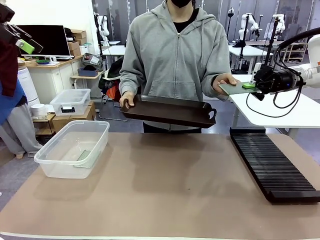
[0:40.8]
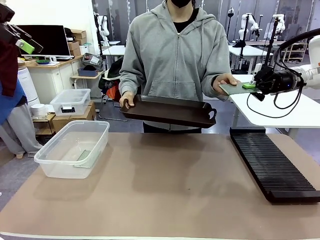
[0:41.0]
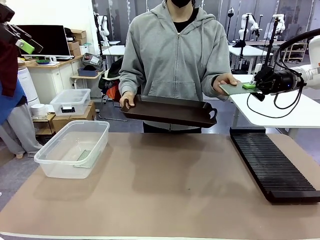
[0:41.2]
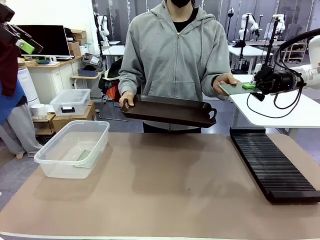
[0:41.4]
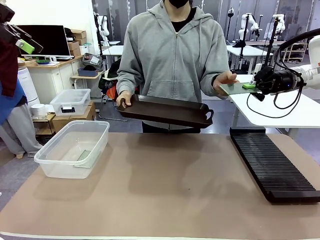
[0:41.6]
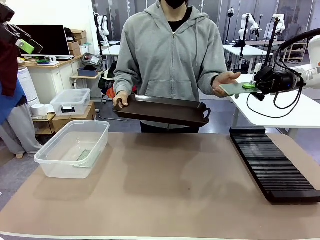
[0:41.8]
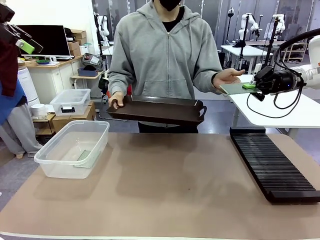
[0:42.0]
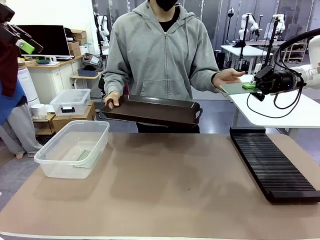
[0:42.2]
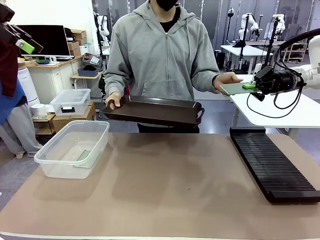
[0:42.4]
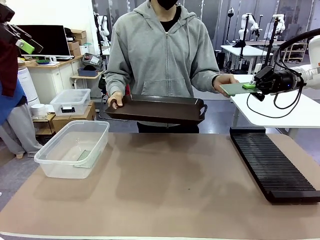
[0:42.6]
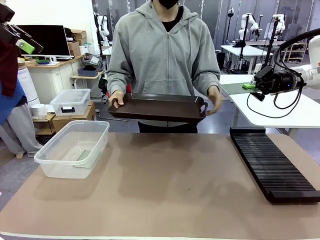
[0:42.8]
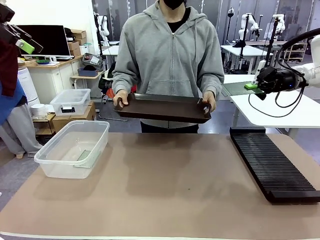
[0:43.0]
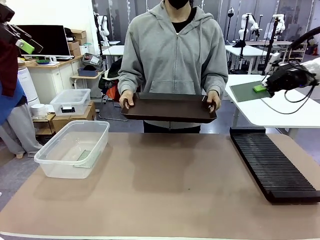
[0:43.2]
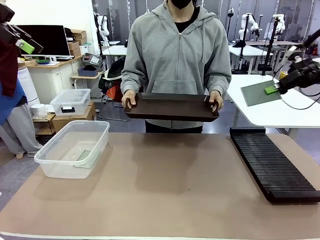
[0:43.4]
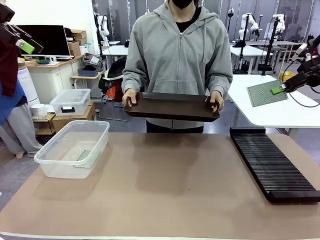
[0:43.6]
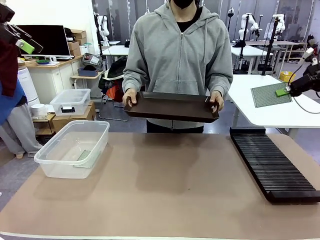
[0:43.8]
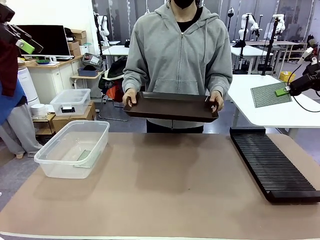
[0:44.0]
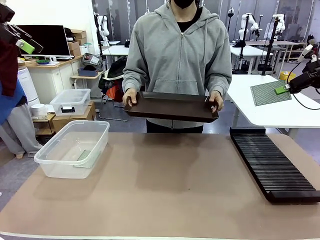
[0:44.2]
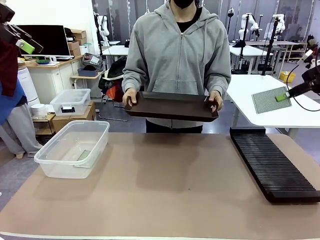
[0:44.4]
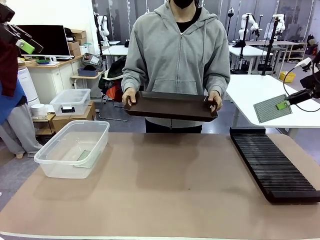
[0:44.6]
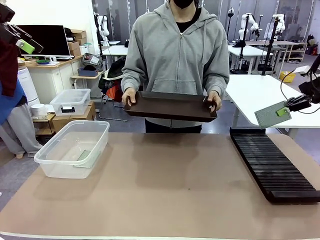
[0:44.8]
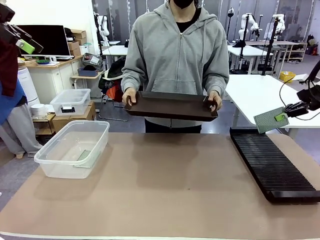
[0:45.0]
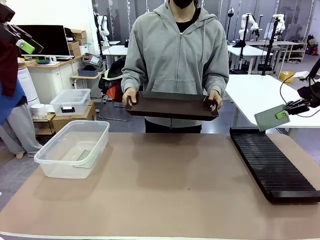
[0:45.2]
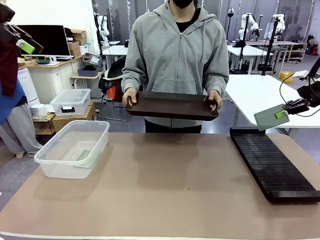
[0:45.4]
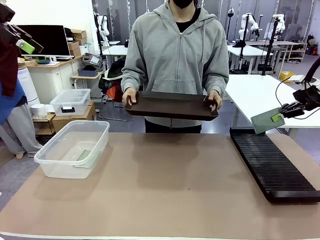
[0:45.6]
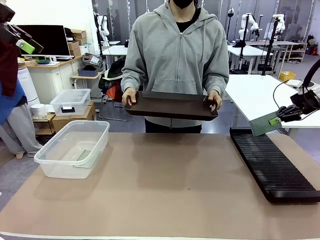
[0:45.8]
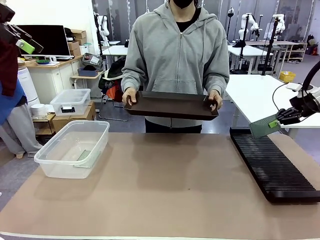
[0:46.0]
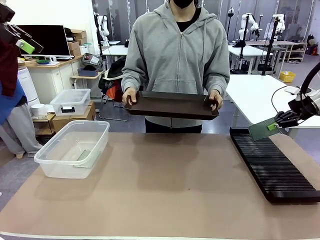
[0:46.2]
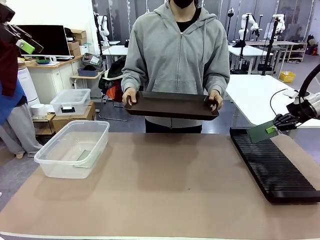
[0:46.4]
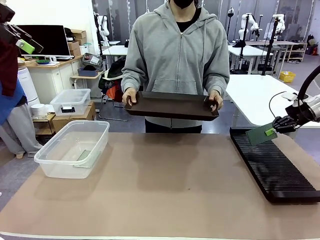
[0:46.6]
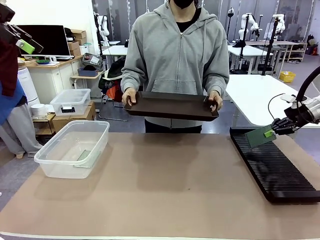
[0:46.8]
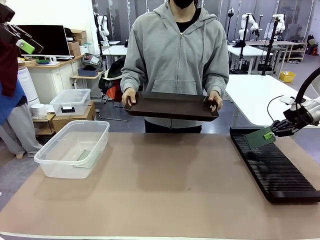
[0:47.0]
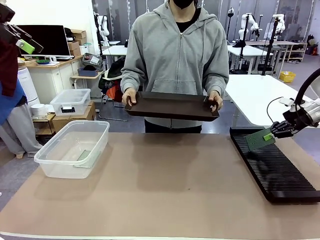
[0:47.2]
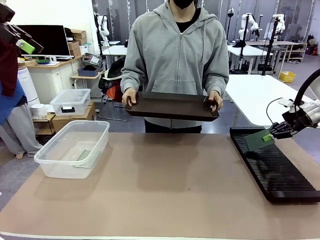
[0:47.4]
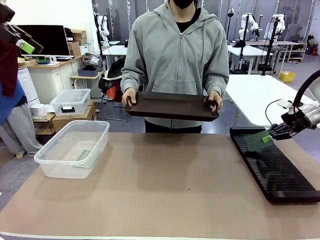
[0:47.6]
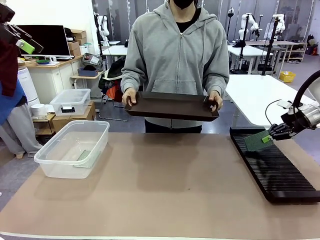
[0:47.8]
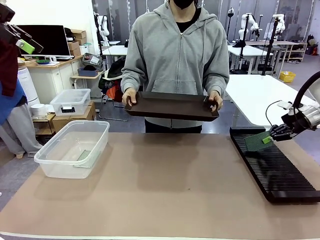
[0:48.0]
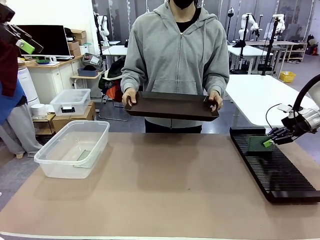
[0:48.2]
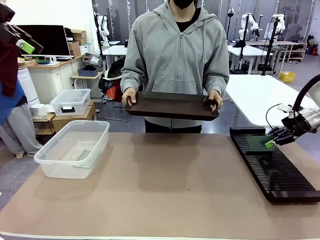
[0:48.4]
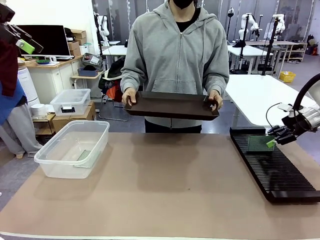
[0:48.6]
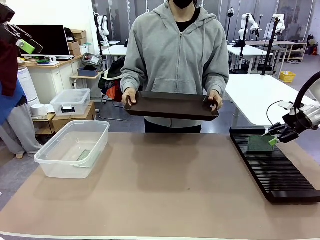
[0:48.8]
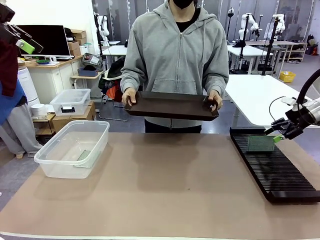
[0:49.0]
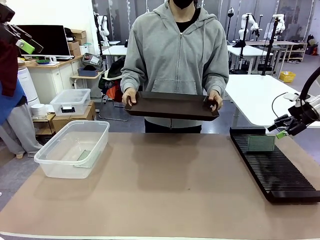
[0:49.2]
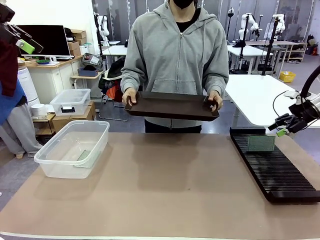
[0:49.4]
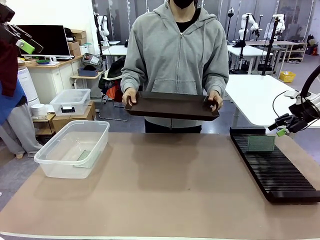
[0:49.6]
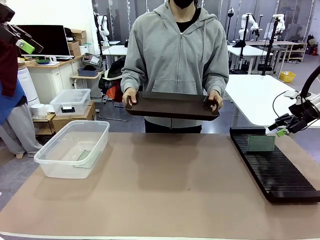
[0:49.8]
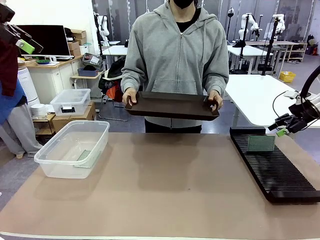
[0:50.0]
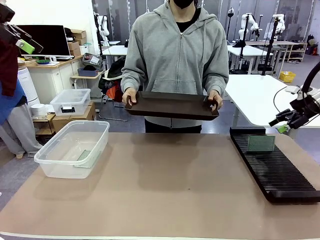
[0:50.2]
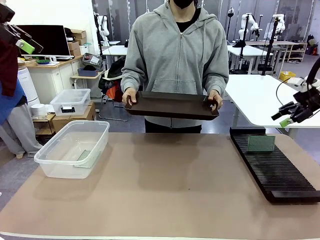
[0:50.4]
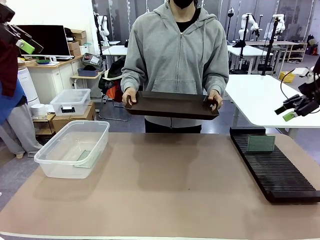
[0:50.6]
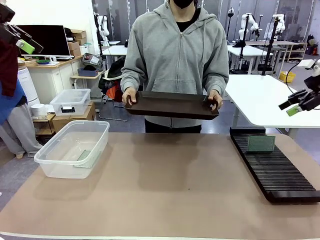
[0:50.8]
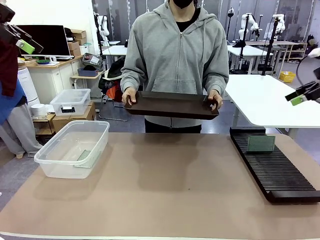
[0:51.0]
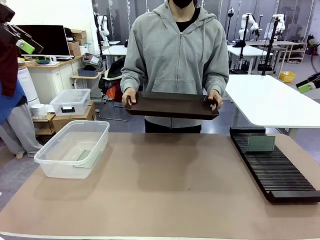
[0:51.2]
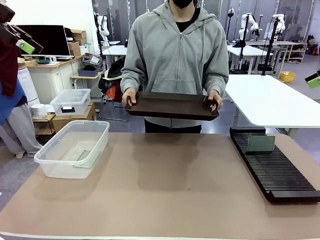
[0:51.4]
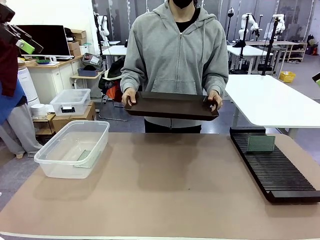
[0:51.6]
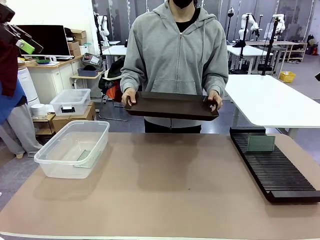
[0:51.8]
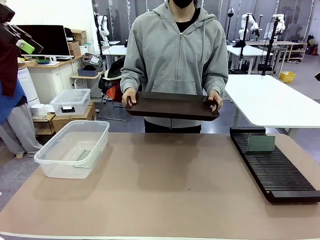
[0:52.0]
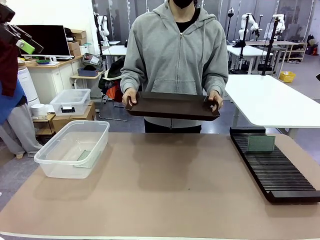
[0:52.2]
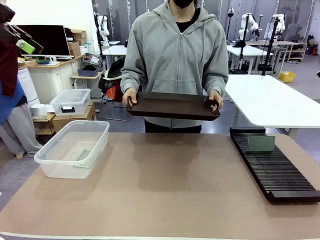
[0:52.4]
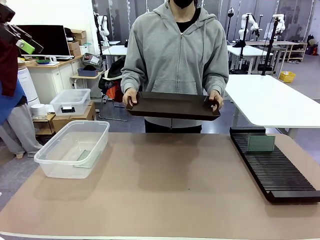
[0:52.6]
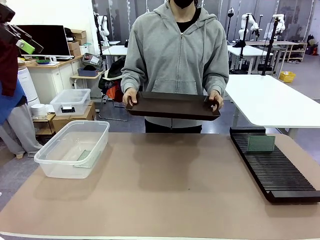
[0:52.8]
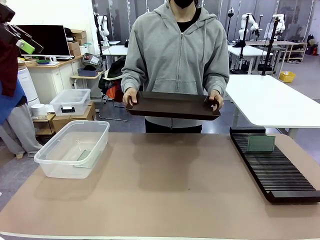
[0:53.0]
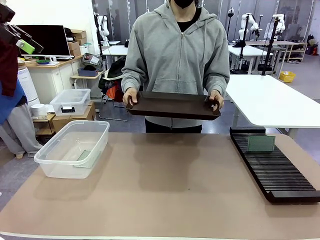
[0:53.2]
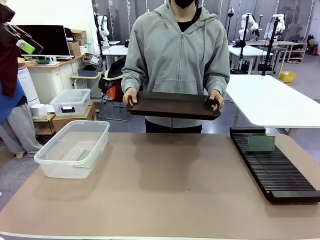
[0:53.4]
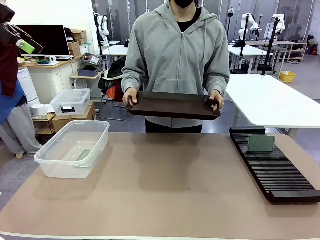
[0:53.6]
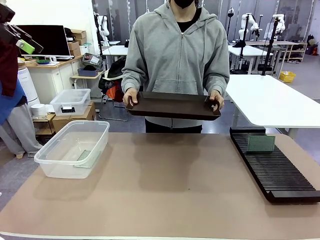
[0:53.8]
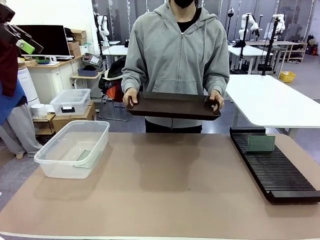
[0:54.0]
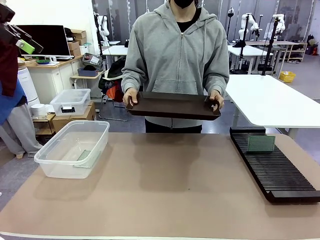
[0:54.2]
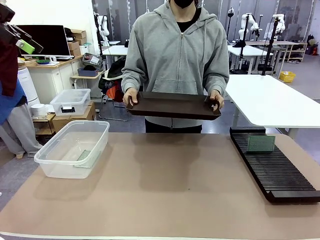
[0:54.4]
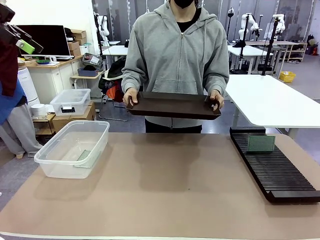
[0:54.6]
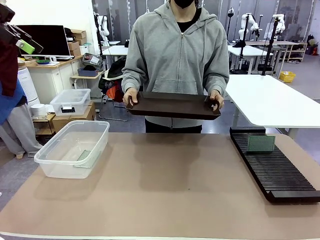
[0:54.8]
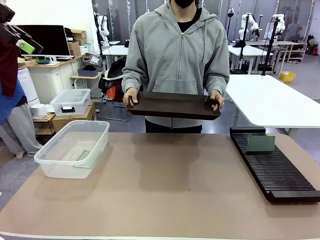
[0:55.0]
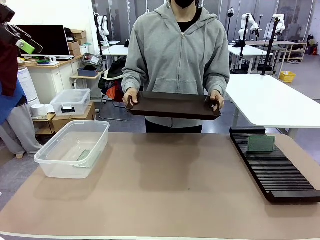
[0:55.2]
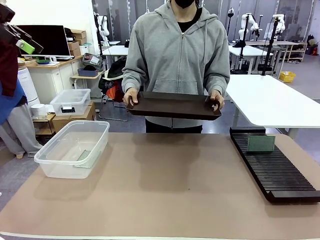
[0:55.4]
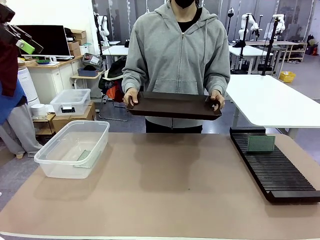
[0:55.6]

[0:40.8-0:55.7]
Task: Sort PCBs into racks and boxes based on the side picked up.
Robot: If the short side of the Blank PCB is picked up, insert it into the PCB Rack ; if the long side is picked up, place it in the Organizing box.
Person: Release the PCB being held.

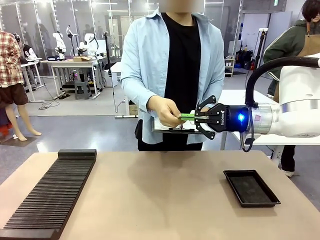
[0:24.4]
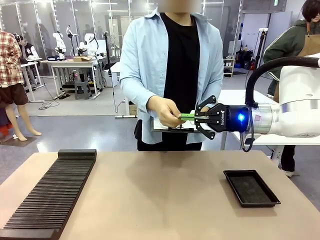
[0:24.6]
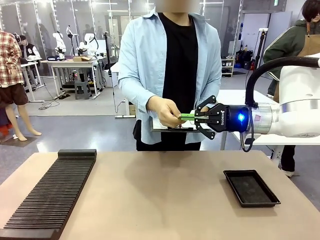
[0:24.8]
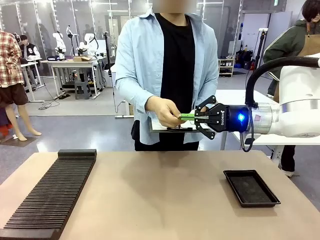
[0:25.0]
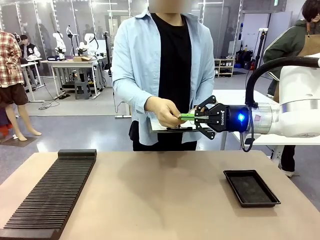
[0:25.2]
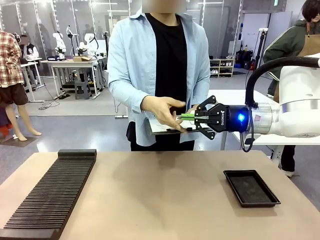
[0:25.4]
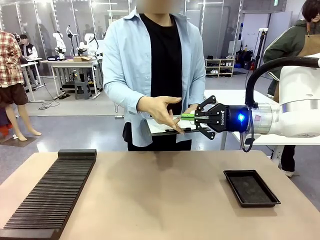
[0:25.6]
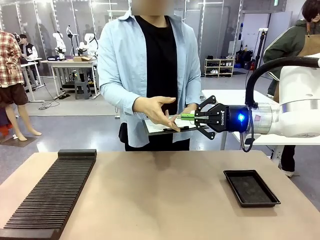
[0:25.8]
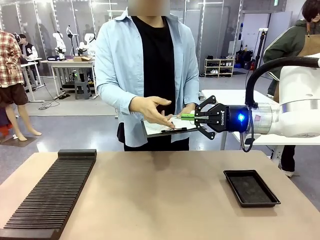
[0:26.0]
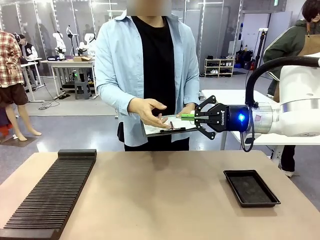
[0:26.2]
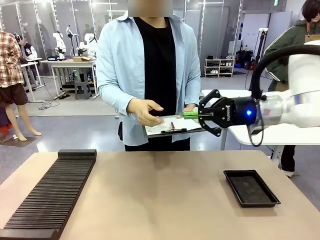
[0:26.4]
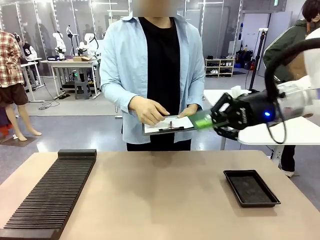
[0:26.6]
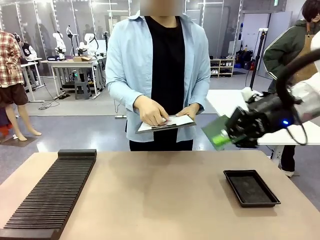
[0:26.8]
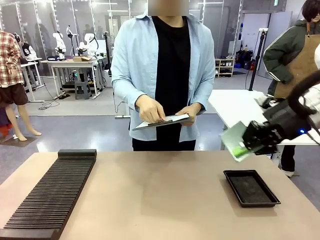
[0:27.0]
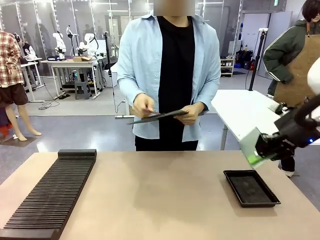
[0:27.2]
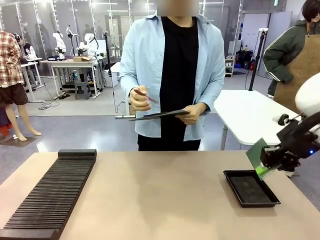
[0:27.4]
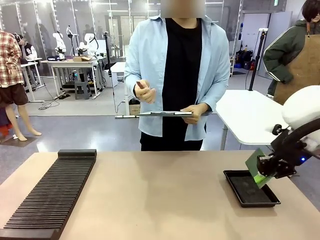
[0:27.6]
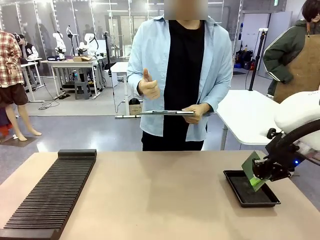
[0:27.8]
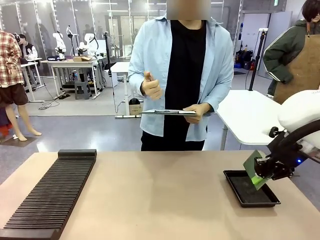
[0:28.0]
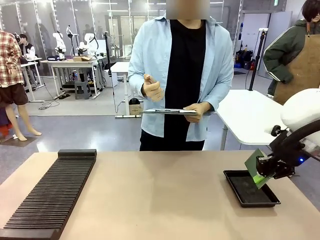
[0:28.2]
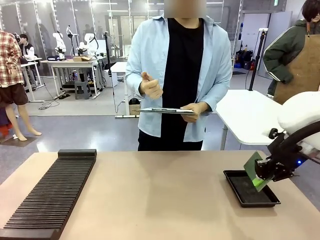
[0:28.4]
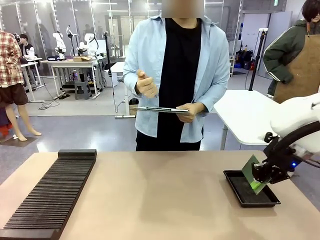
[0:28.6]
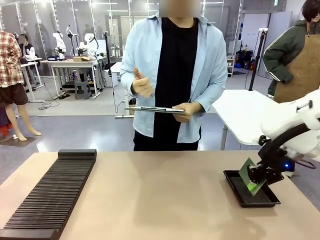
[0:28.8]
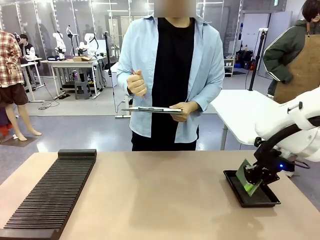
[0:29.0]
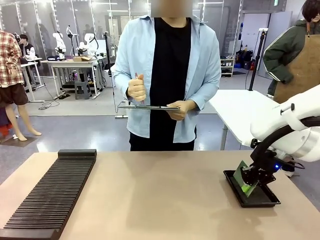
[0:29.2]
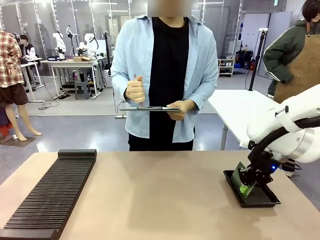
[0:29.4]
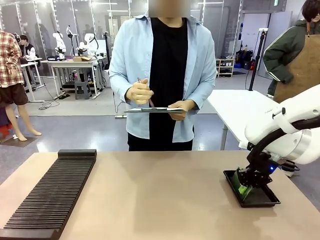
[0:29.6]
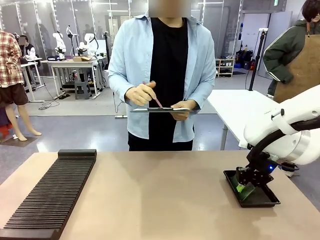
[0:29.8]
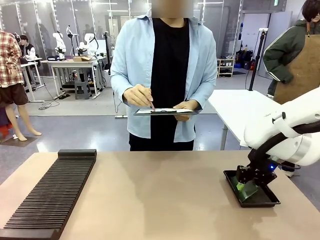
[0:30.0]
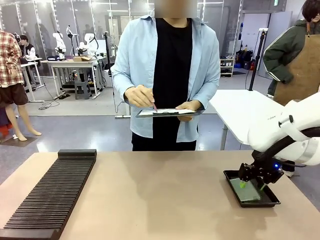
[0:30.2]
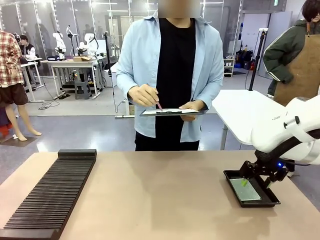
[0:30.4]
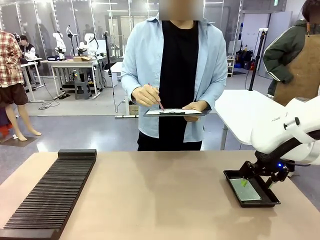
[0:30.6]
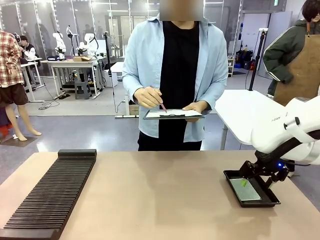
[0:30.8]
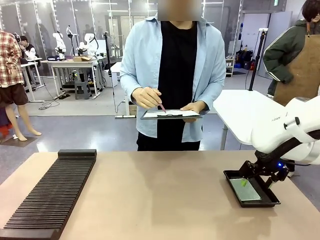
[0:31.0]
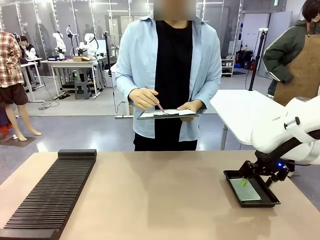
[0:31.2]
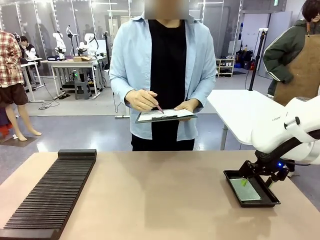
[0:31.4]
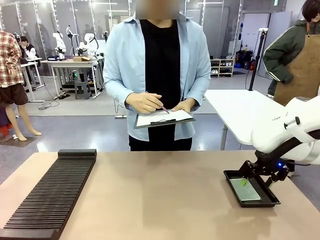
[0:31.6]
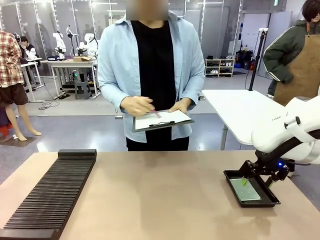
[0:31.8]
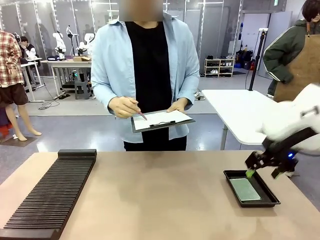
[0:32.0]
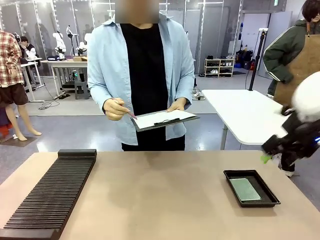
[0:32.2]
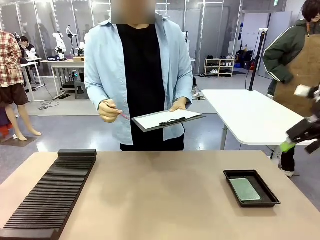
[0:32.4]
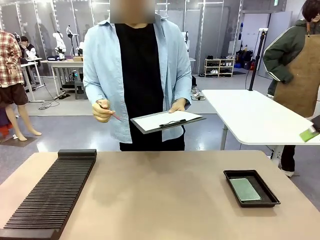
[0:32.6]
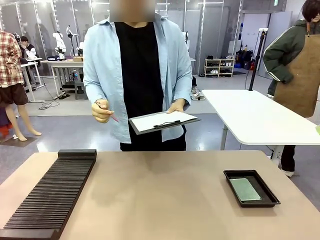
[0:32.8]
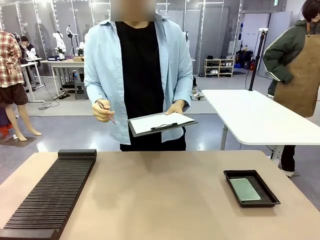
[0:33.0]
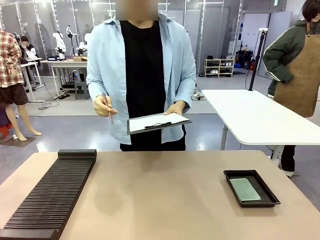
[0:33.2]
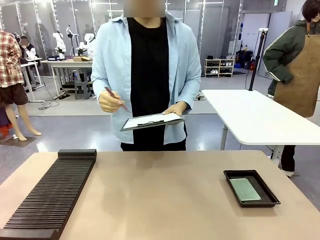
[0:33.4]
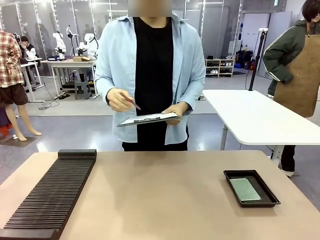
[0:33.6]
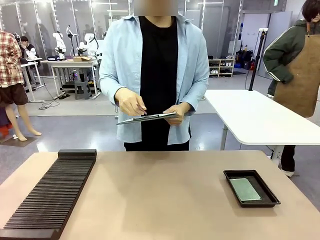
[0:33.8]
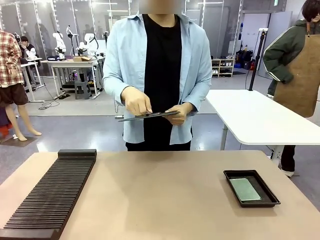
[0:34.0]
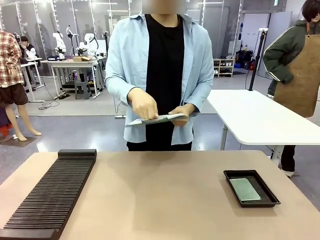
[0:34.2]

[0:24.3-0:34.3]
Task: Inspect the PCB.
Robot: Place the Blank PCB in the ESD tray.
Person: Record the PCB status on the paper.
